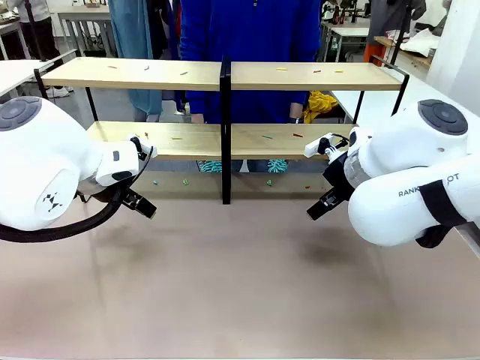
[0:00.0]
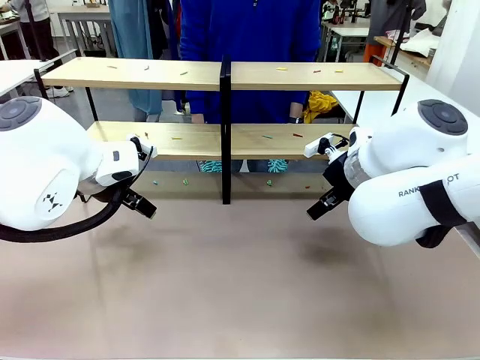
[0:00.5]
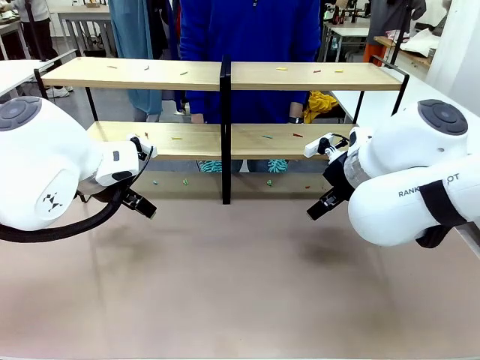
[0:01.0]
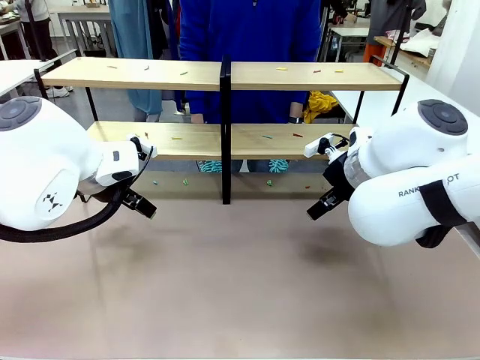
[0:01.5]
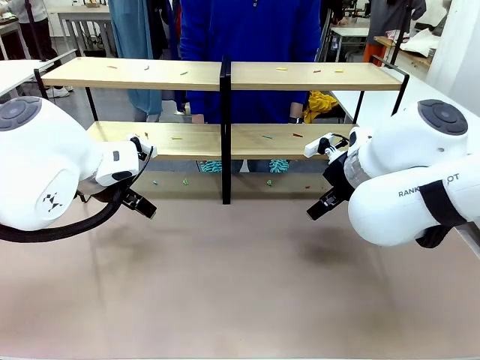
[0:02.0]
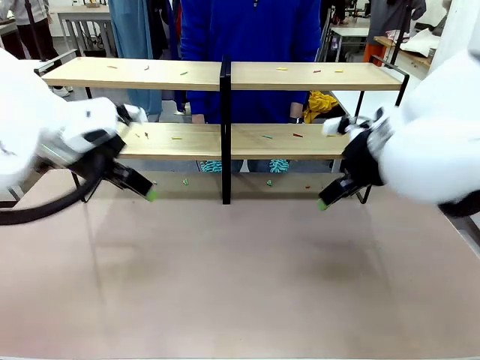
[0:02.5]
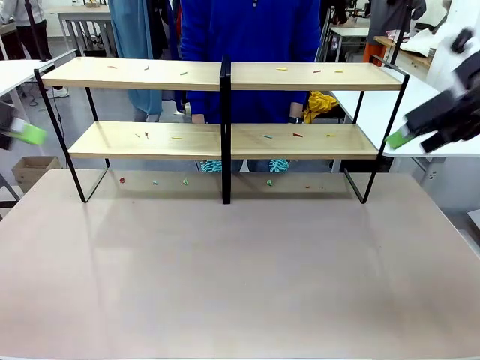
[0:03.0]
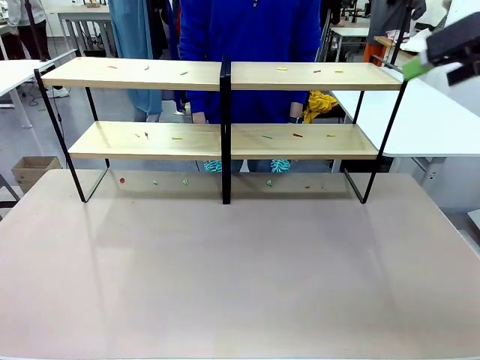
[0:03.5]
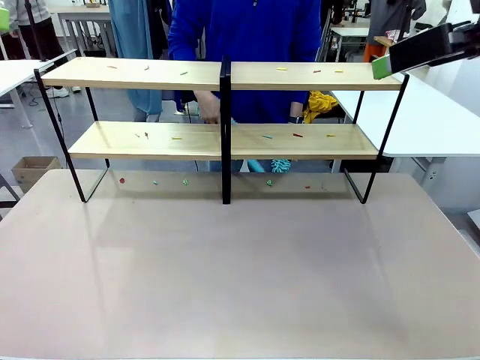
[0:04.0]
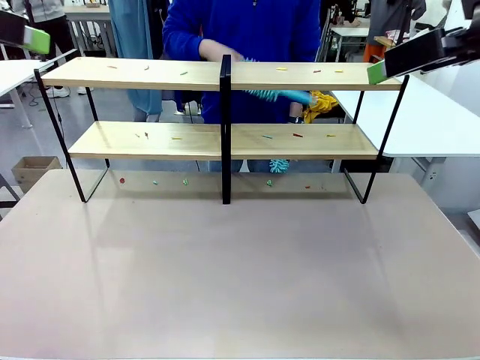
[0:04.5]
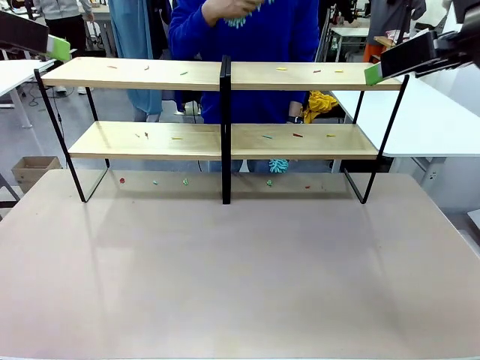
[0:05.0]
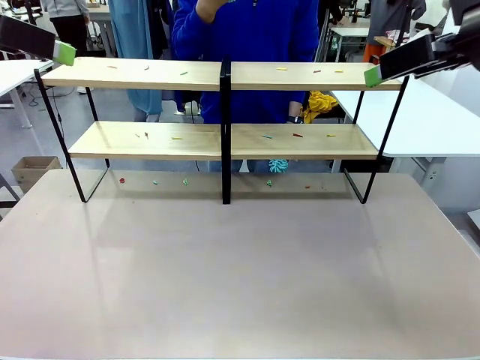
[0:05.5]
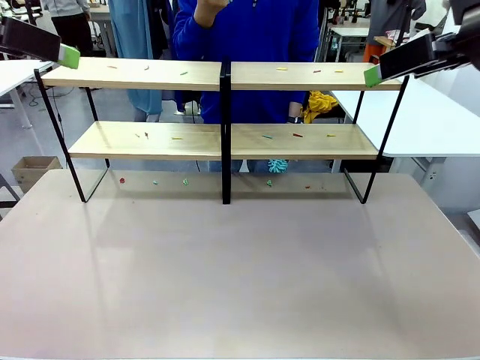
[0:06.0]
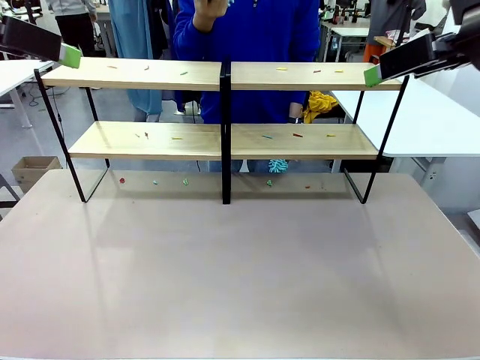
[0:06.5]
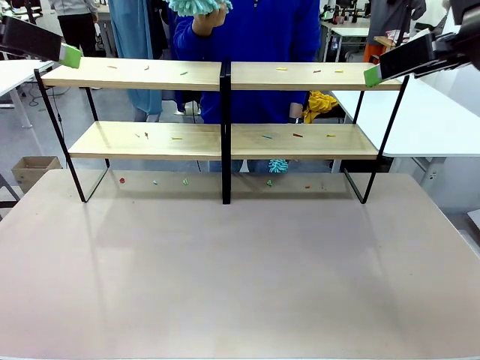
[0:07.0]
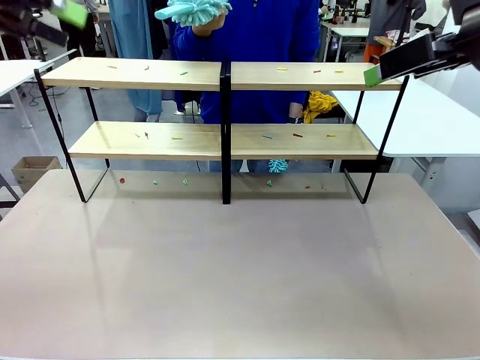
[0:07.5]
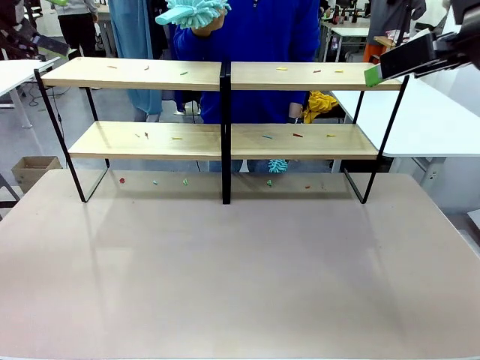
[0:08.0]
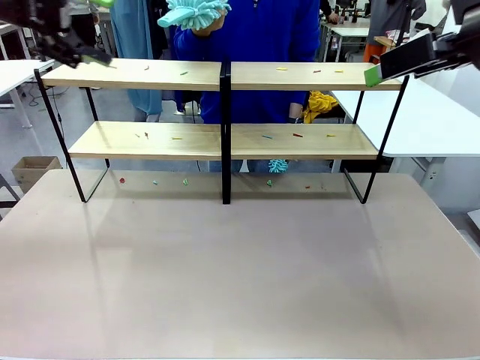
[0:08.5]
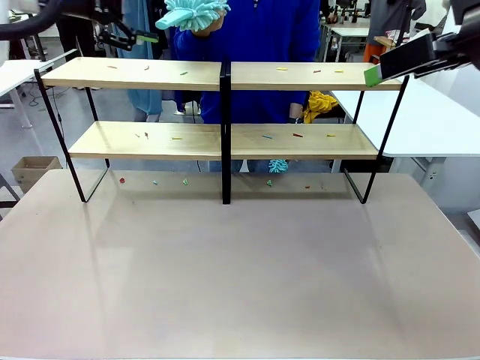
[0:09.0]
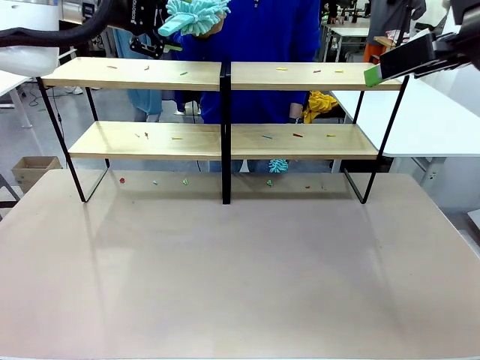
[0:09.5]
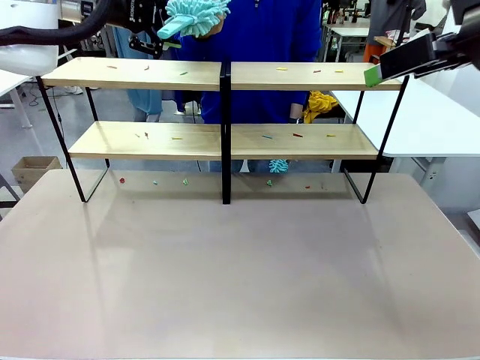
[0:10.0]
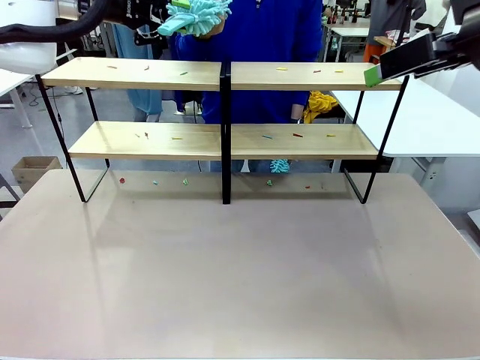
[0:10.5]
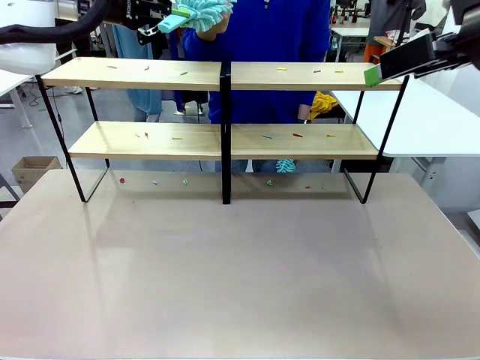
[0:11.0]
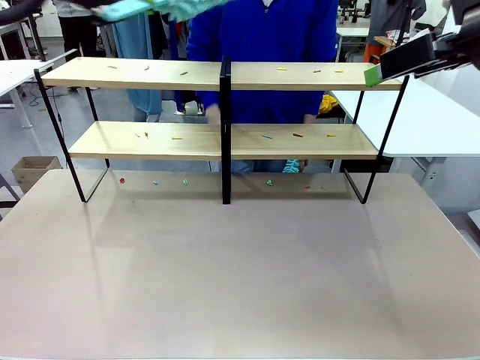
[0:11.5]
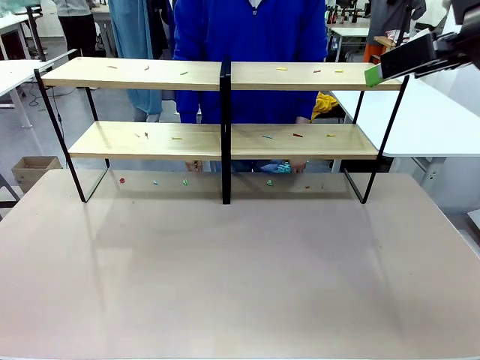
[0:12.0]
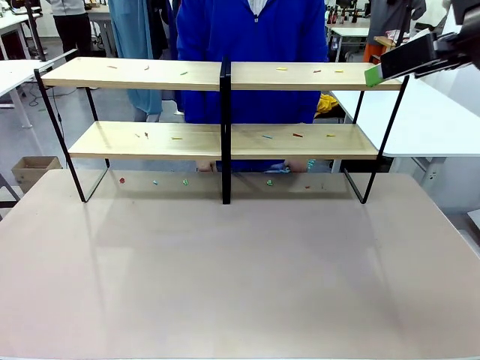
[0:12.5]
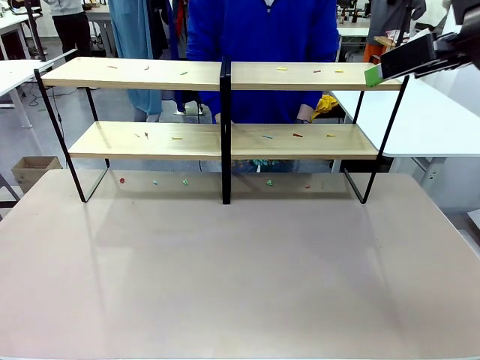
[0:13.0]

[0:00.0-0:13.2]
Task: Clean the shelves.
Robot: Pick up the Duster when the human hands it over.
Person: Hand the Duster to the robot with your right (or left) hand.

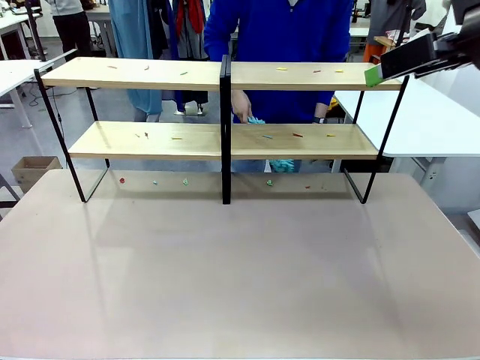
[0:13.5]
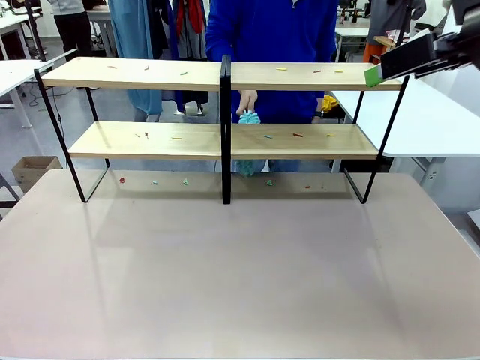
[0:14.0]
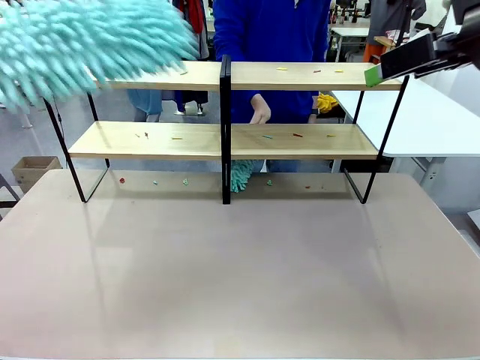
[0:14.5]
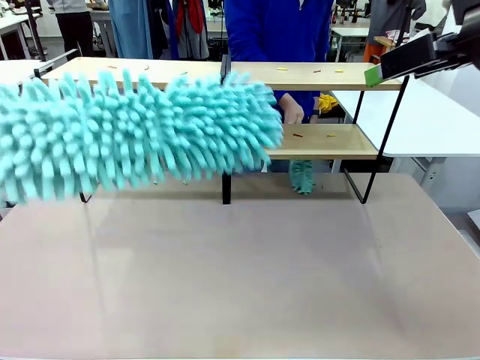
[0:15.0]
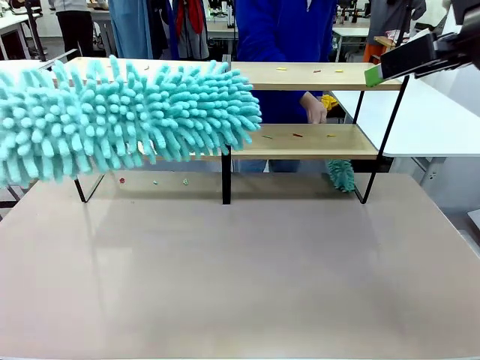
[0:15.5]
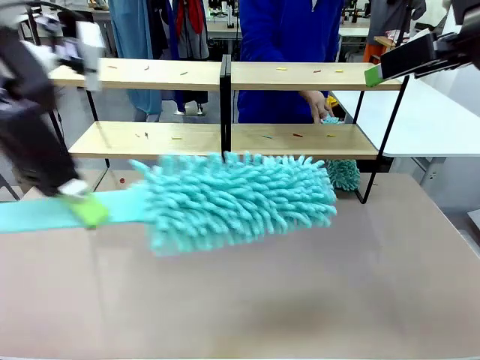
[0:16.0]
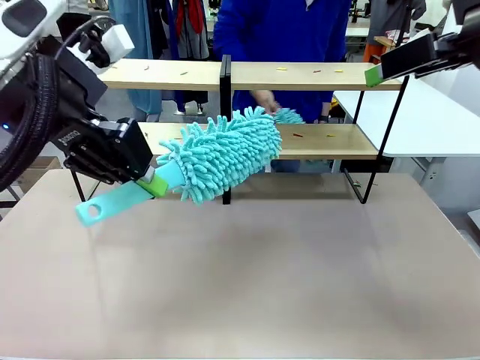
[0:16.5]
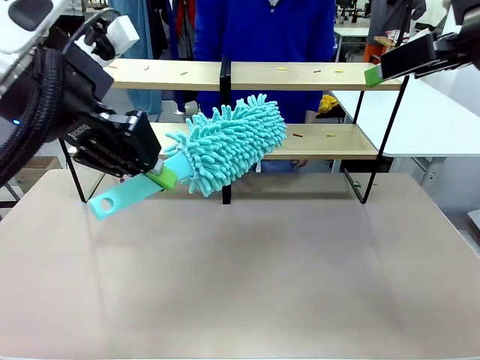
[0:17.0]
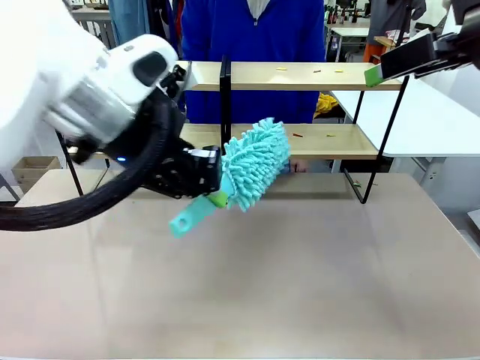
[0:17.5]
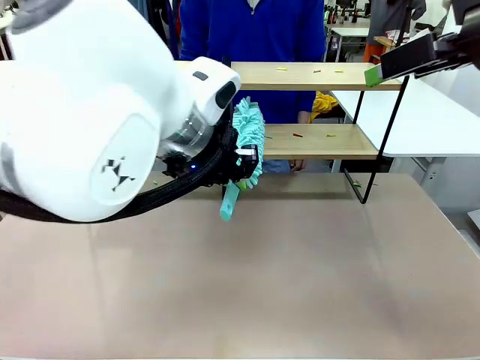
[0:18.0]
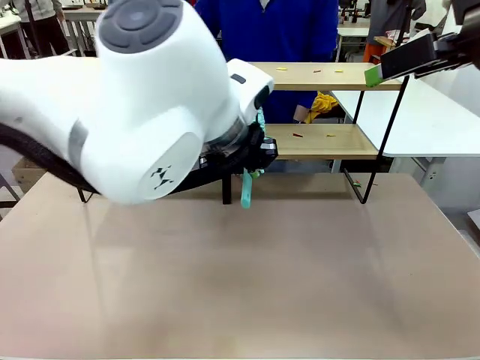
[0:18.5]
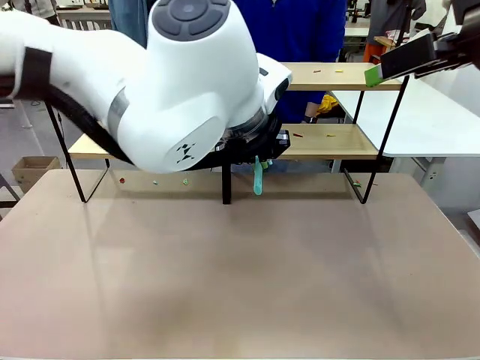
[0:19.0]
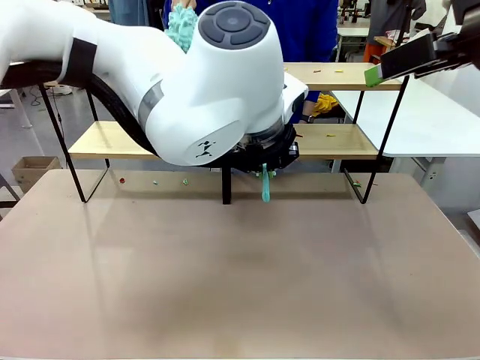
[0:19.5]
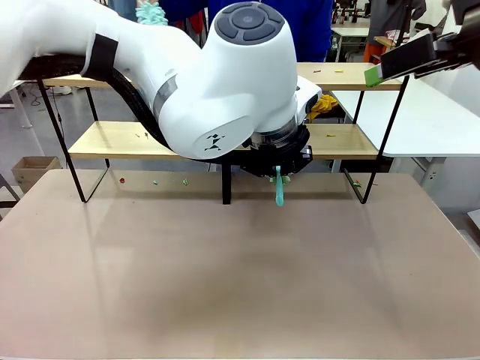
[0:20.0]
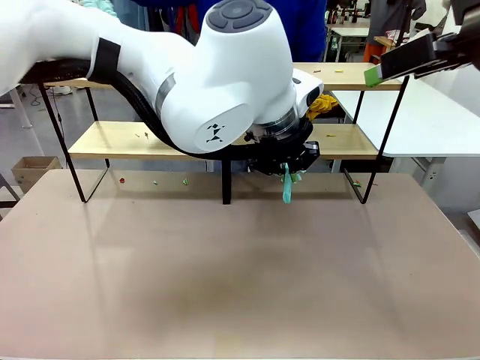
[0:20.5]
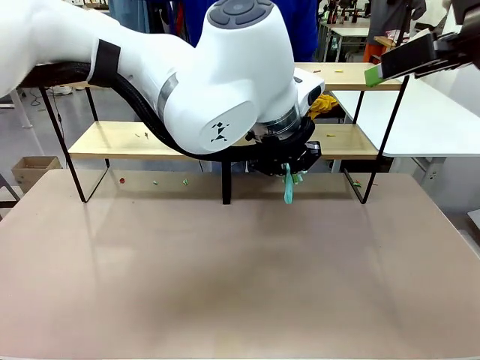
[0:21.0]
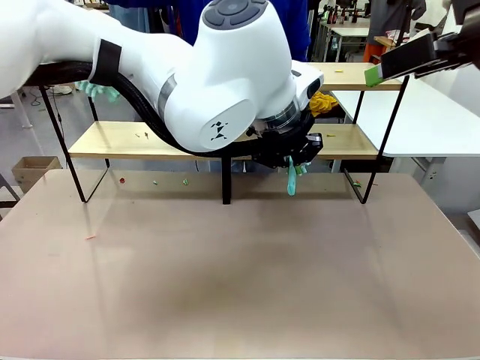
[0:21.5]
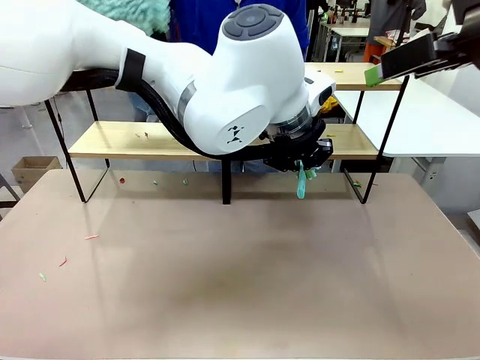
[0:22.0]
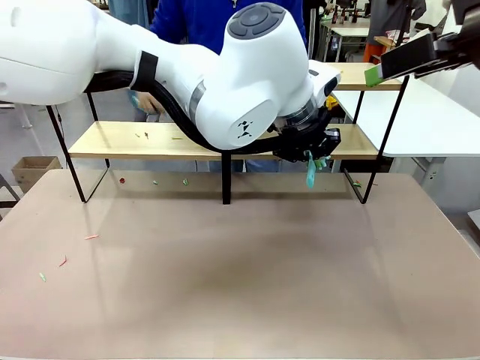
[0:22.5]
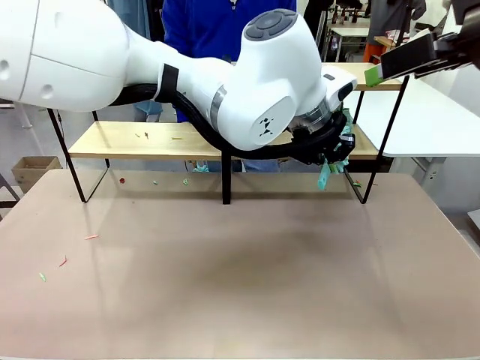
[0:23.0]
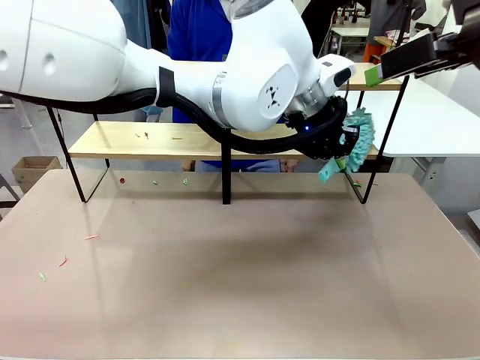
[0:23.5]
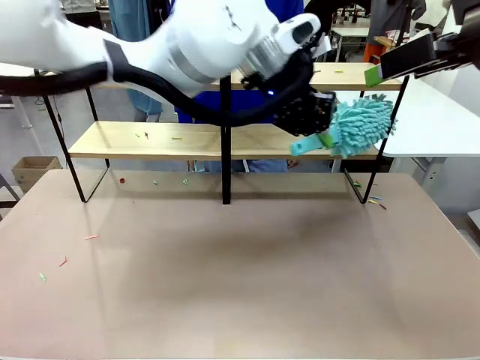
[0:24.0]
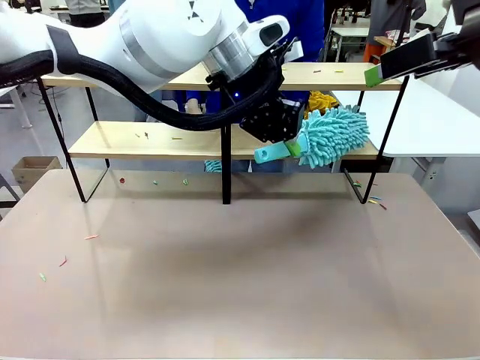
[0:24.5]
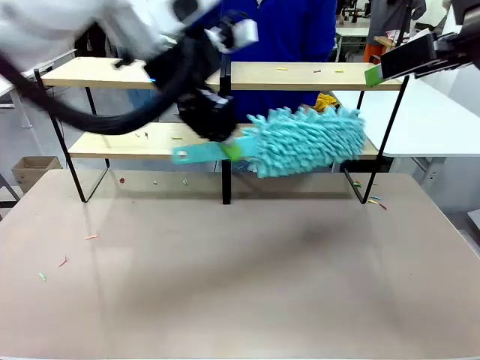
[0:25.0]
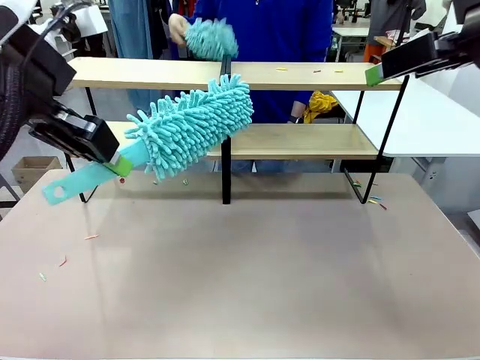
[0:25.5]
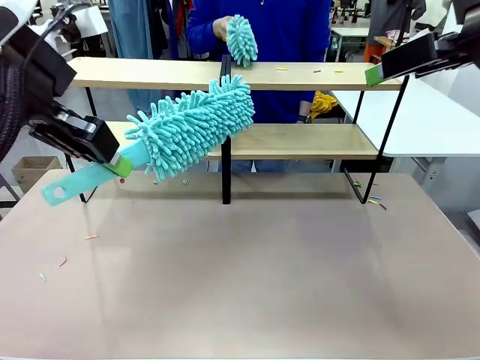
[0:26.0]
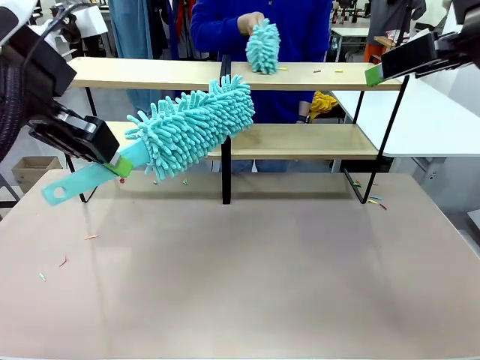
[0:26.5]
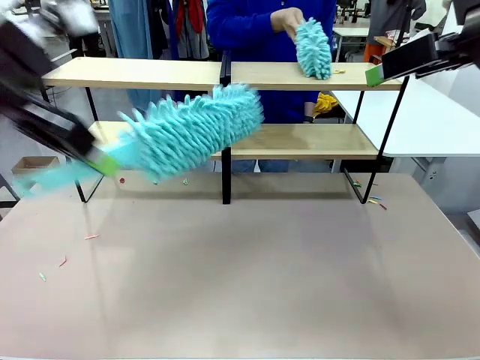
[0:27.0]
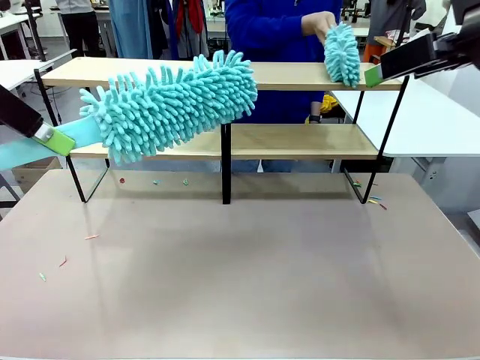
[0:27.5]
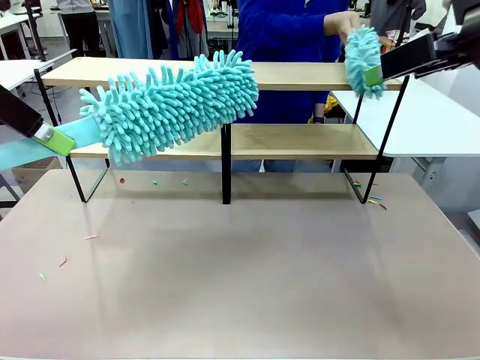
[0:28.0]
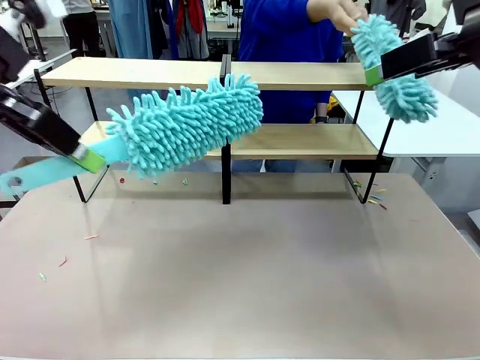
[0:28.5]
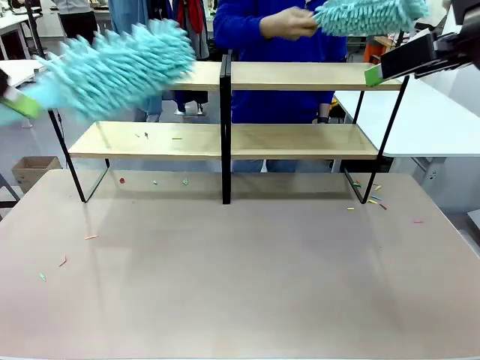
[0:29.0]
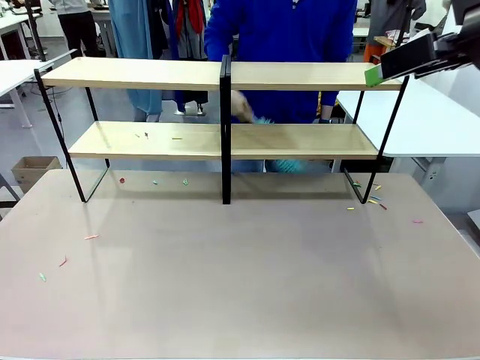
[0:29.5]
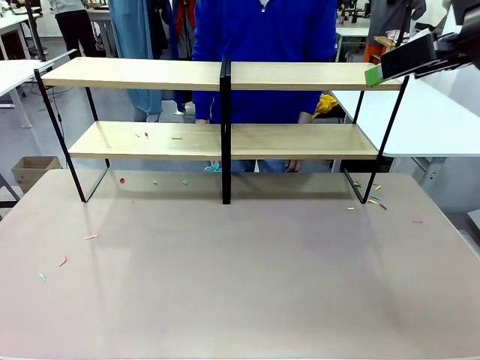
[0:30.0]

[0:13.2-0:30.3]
Robot: Clean a randomly selected level of the Shelf with the Duster.
Person: Clean a randomly selected level of the Shelf with the Duster.
